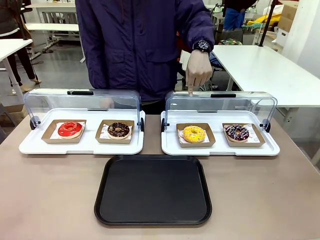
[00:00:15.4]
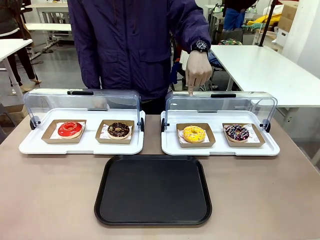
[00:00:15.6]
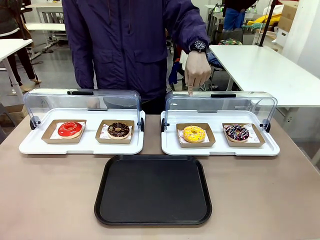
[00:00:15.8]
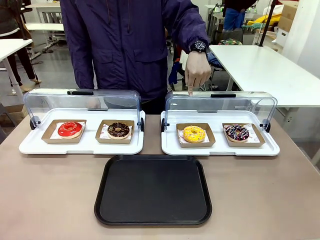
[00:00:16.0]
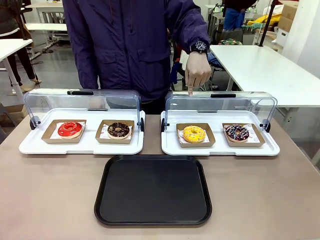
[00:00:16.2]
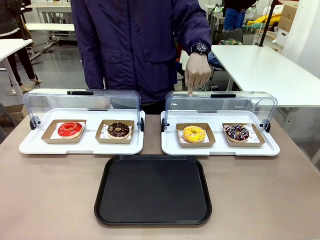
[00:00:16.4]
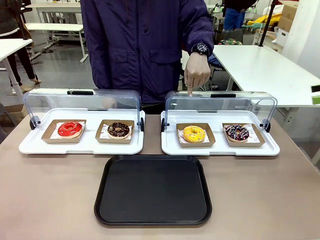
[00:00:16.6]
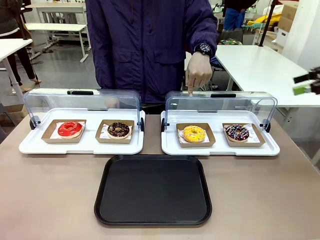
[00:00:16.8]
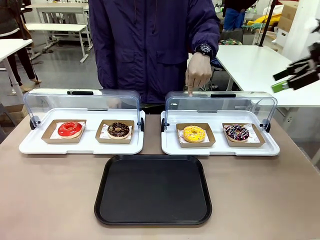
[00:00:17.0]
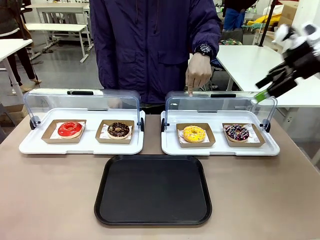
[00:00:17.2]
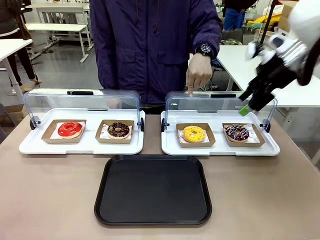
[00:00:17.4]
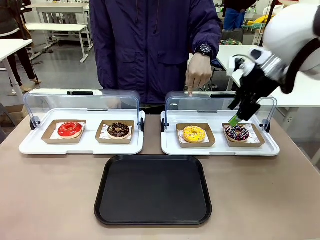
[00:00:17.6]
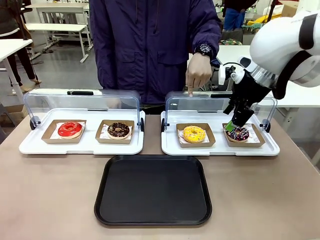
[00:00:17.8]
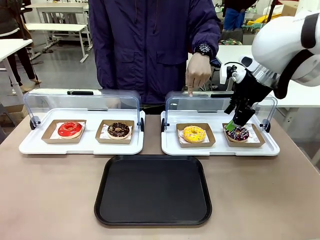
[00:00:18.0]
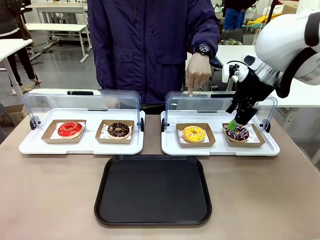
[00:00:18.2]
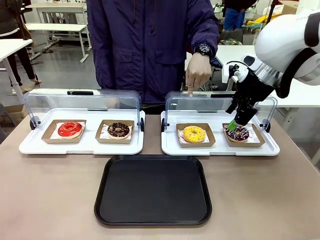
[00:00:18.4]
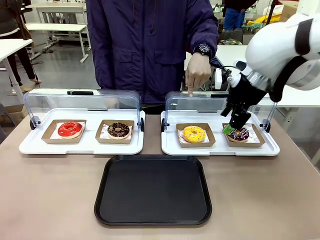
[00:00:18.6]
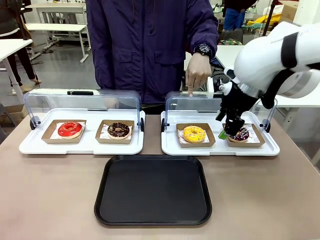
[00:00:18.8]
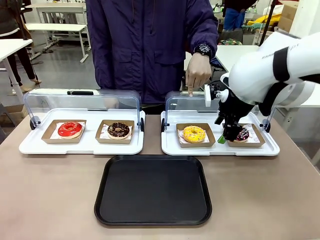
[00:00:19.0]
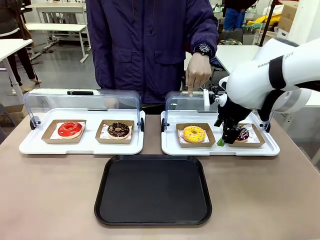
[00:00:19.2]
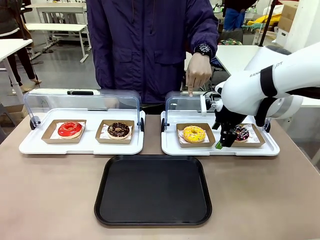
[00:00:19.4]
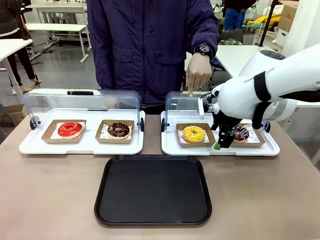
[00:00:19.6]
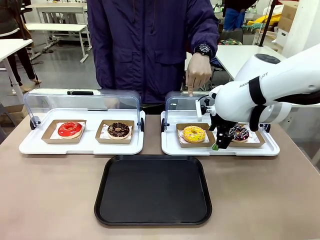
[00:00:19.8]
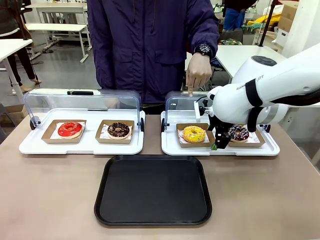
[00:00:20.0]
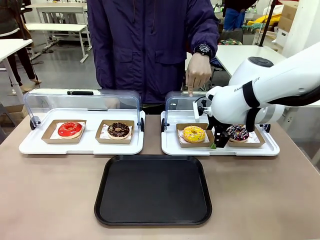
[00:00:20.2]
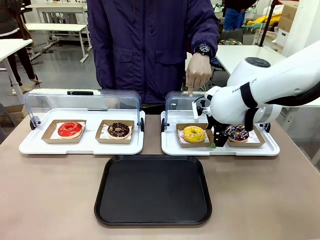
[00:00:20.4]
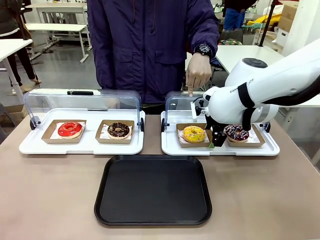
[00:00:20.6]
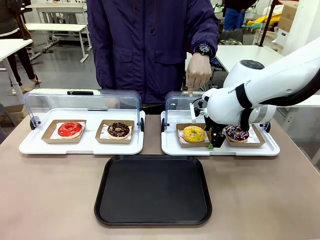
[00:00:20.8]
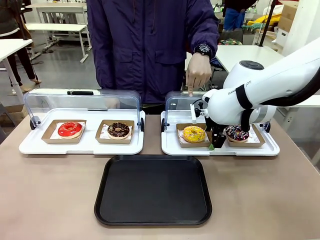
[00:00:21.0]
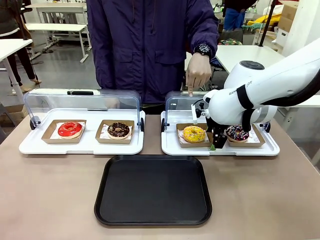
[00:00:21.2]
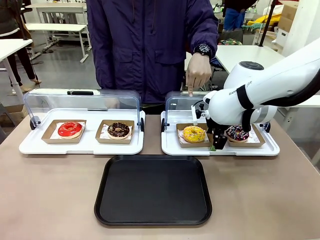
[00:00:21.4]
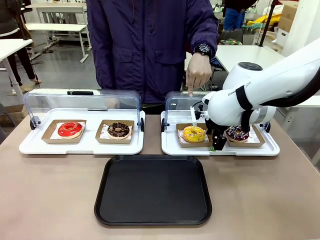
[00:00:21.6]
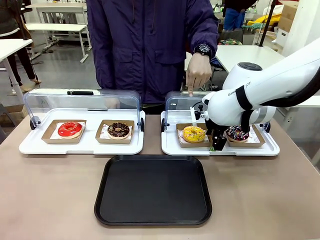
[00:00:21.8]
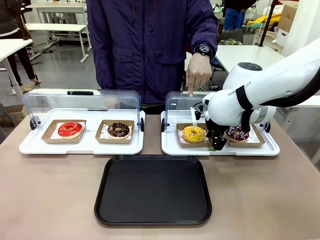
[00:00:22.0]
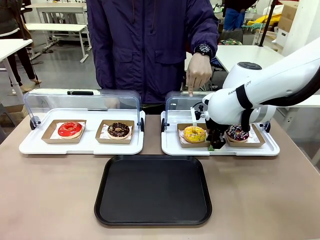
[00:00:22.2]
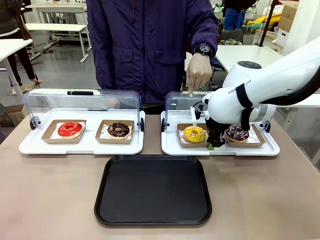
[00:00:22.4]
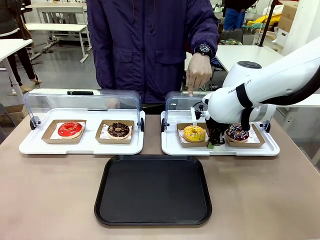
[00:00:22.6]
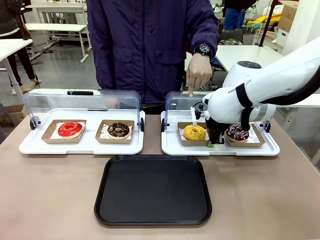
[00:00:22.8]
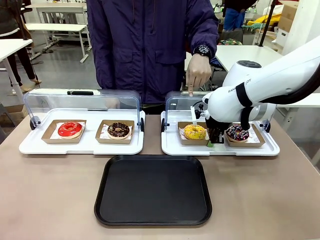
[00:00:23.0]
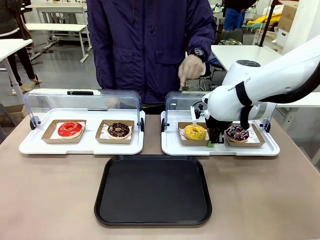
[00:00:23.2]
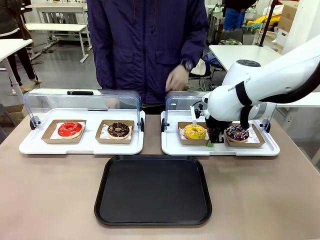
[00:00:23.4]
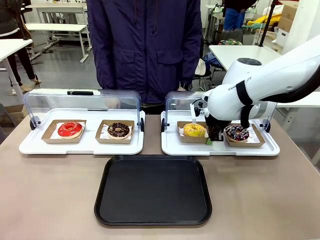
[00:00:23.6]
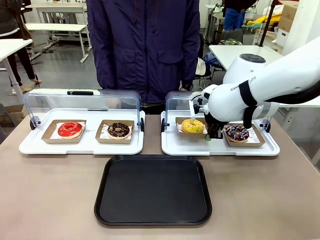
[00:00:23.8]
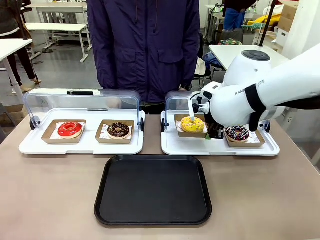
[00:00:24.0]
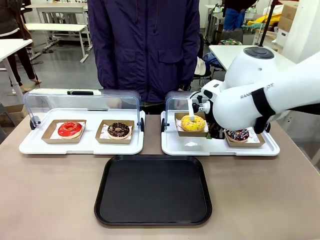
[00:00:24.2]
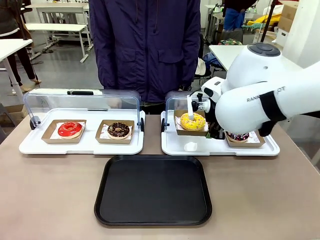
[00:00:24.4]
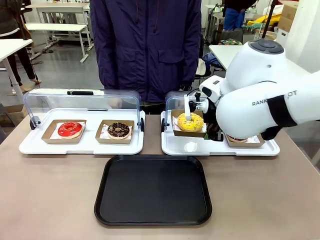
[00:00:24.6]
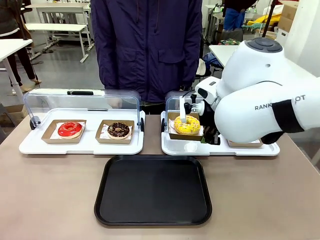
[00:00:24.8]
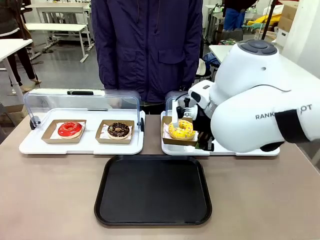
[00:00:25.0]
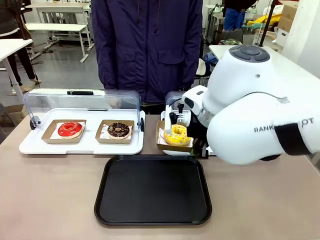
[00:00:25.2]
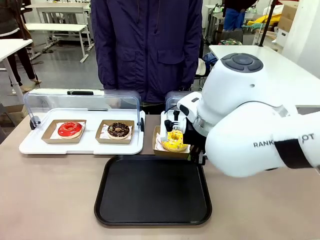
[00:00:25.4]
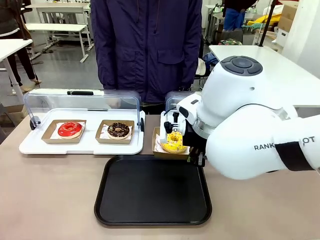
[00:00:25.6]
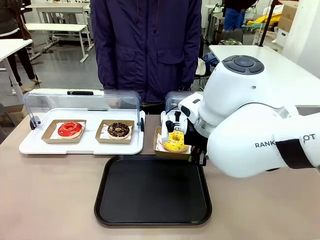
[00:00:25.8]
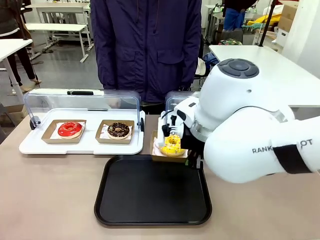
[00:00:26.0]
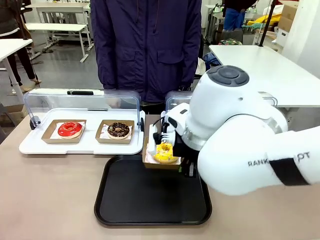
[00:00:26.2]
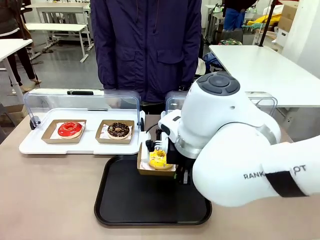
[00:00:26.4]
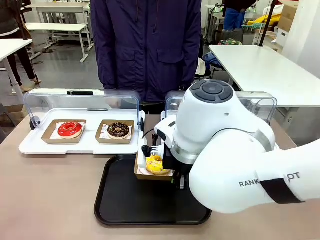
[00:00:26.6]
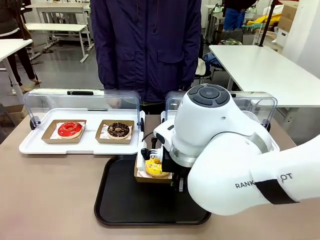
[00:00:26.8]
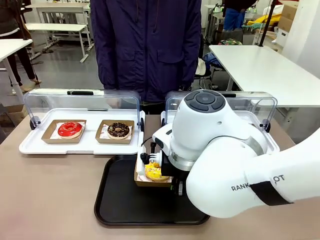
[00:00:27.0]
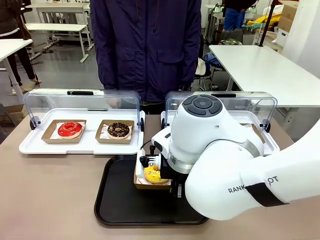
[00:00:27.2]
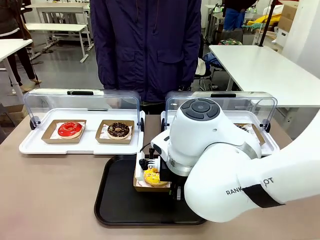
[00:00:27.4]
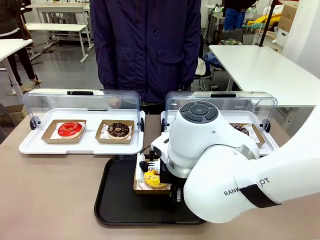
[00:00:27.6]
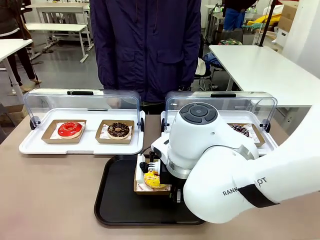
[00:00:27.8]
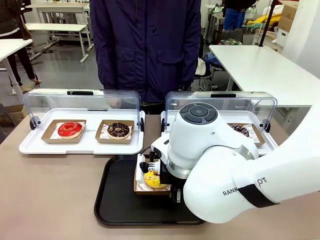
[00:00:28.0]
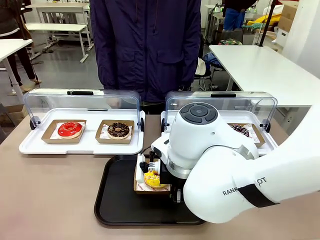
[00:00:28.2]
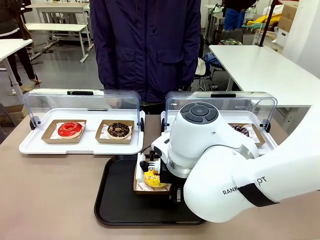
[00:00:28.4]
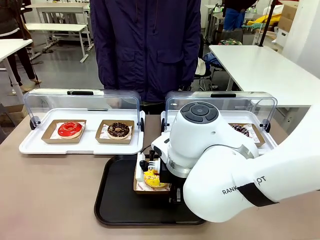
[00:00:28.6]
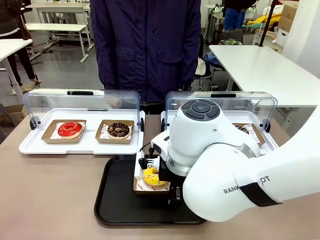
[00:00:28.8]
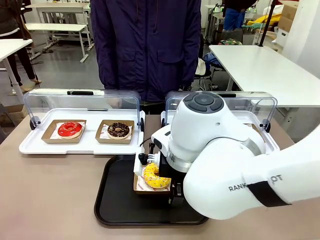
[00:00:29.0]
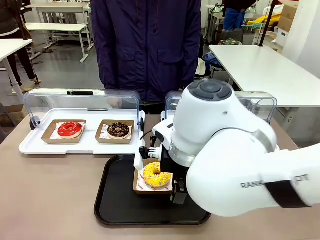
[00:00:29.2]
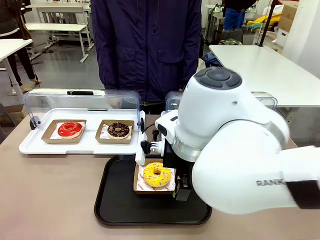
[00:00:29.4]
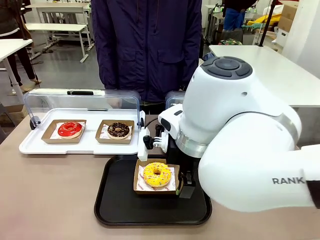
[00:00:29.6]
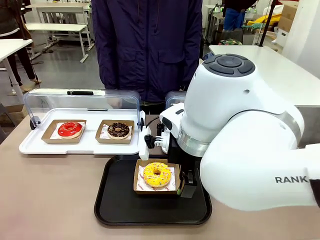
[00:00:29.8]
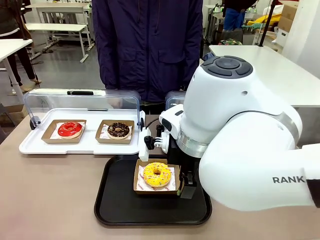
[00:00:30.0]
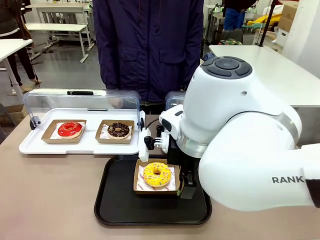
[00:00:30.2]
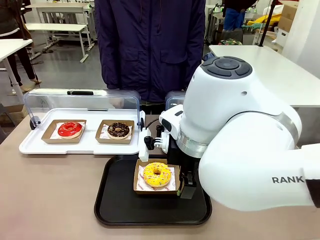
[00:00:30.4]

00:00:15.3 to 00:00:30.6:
Task: Move the third donut from the left to the tray.
Robot: Pick up the Paper togo box containing the Donut indicated by the person and place it on the Handle tray.
